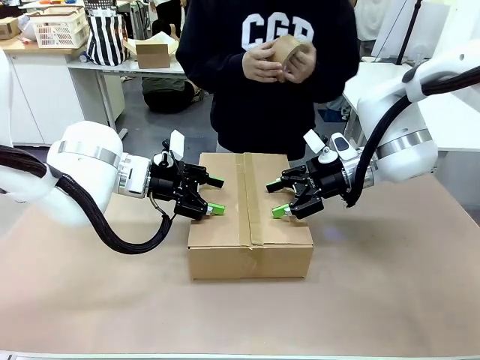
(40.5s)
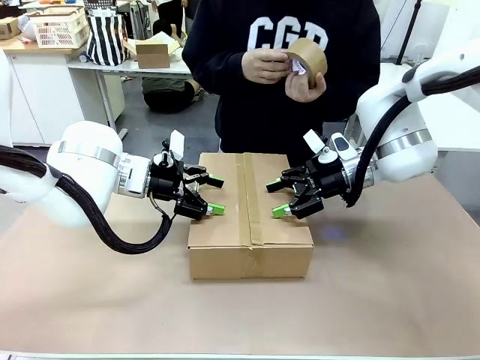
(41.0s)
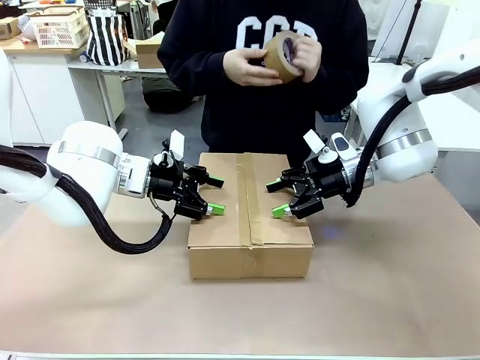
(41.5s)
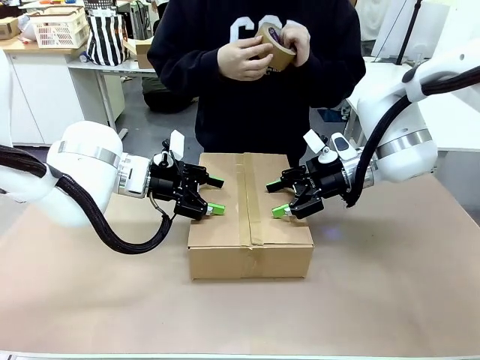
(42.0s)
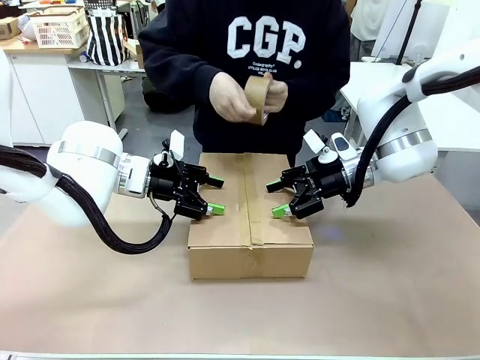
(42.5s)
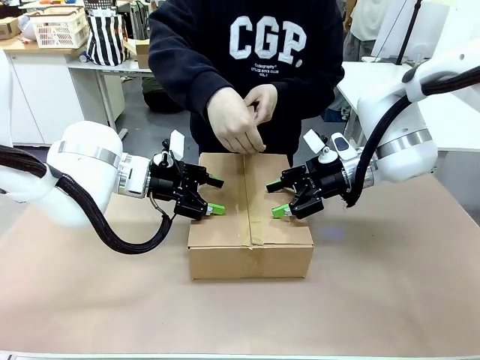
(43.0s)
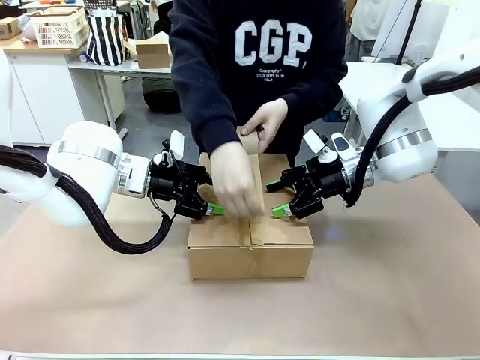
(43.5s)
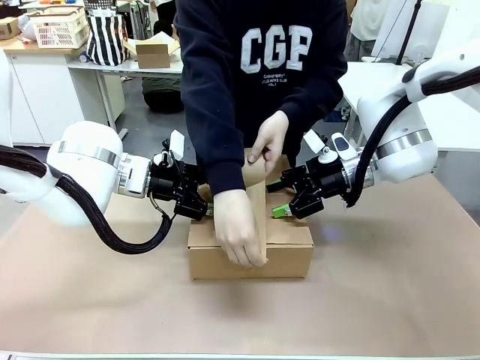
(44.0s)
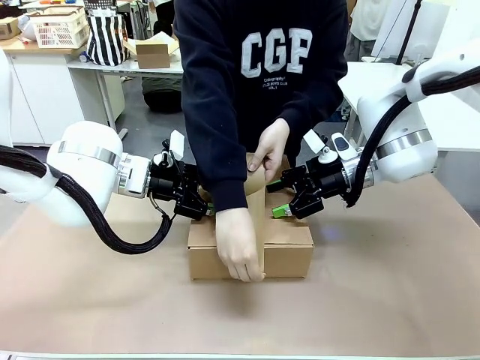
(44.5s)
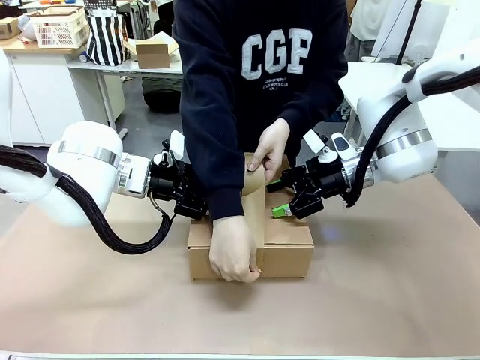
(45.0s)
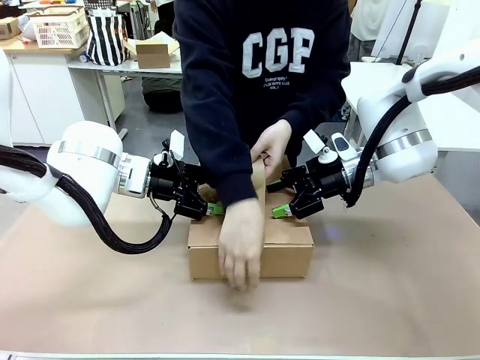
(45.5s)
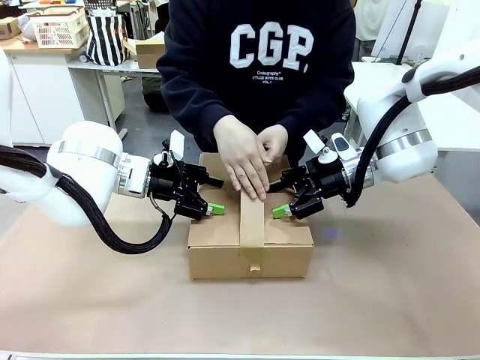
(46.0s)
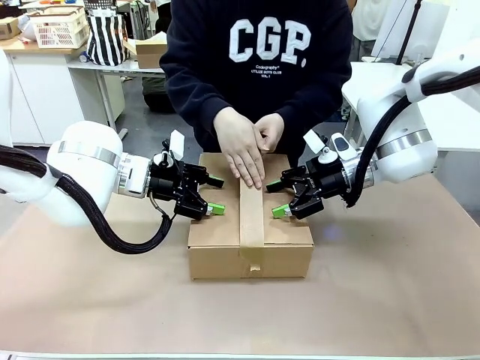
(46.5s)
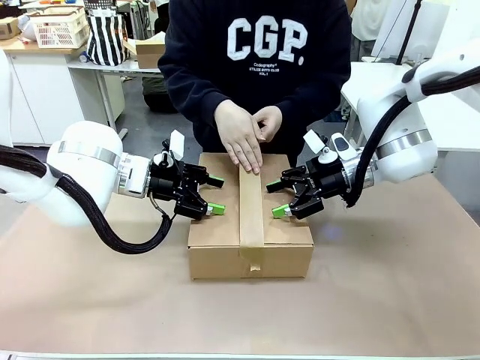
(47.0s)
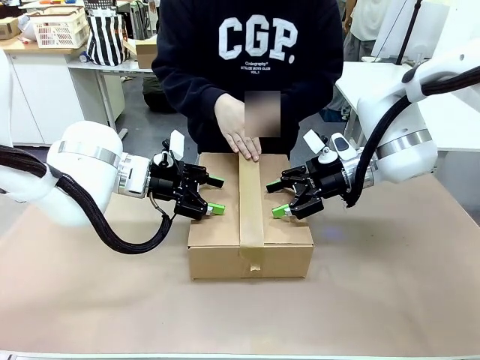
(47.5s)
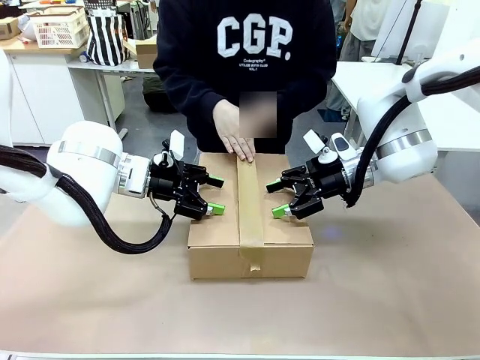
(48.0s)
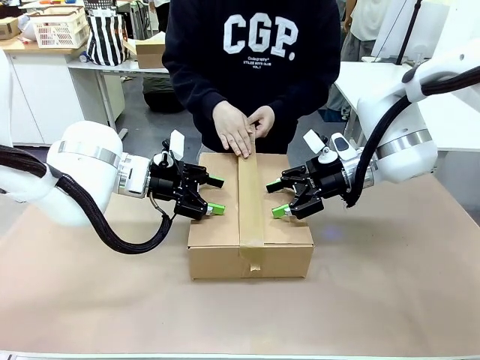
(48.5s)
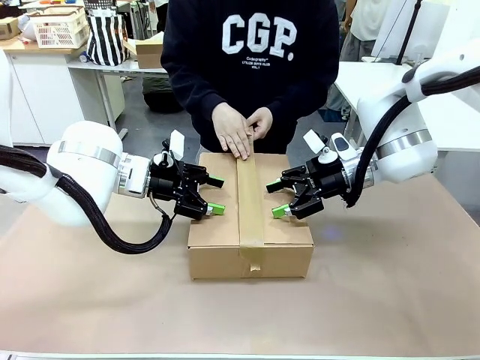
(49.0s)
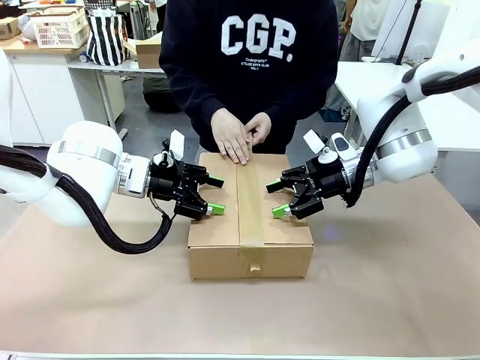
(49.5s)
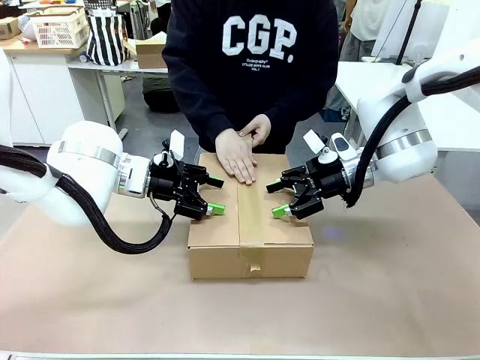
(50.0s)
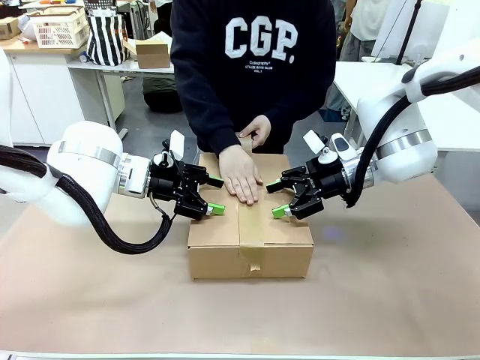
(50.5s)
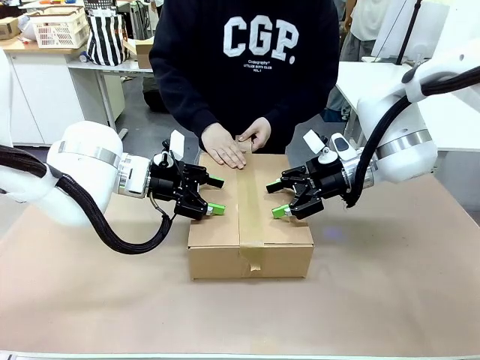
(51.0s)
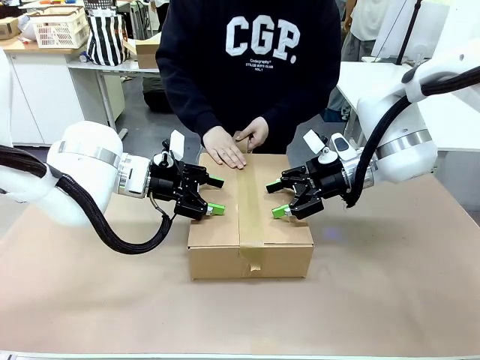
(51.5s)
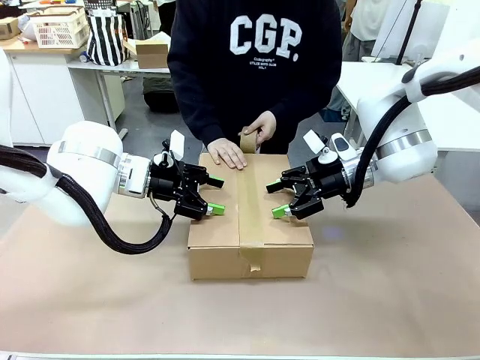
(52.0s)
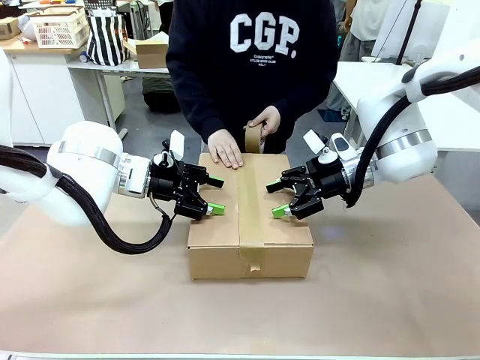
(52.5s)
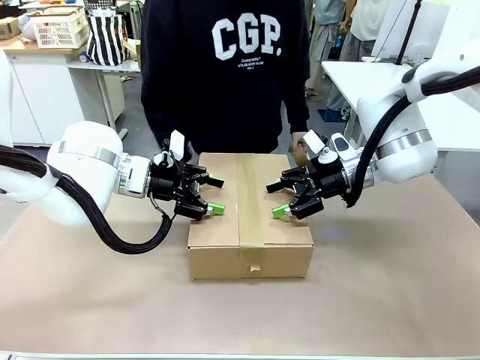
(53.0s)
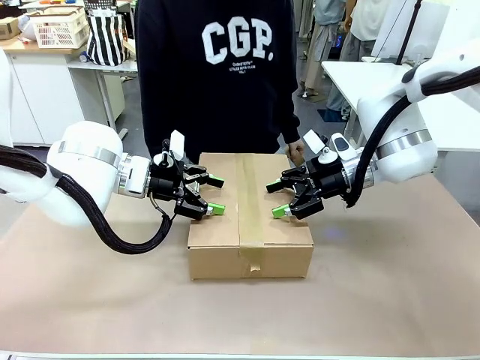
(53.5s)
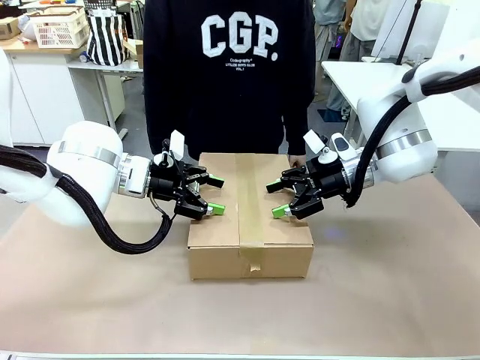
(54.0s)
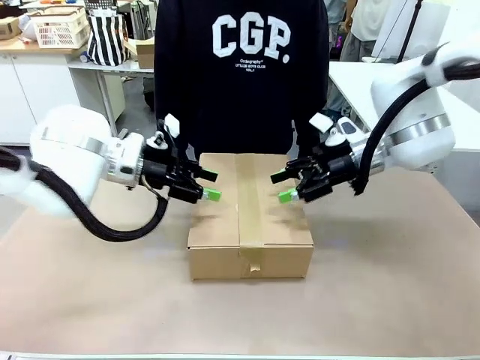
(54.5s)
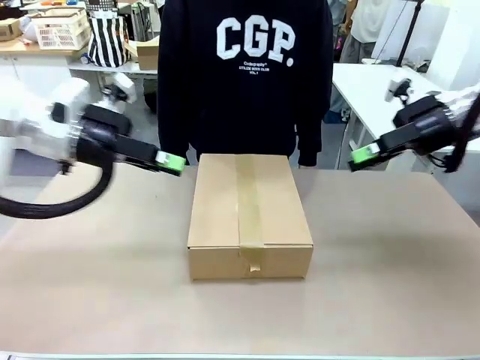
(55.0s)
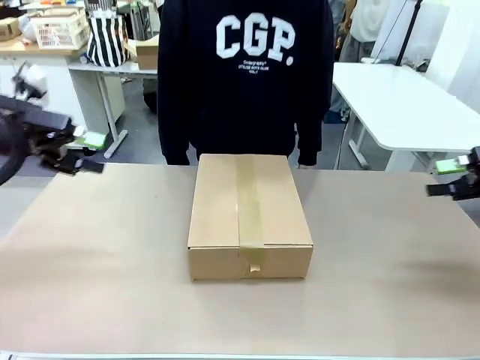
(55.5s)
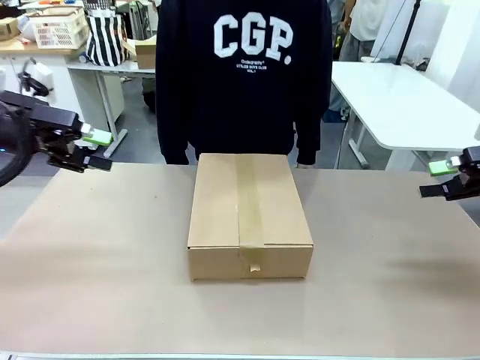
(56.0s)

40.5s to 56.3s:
Task: Pack the gift set into the box.
Robot: Press and hold the closed box until the human finishes sealing it.
Person: The human picks up the paper tape from the human table and packs the box.

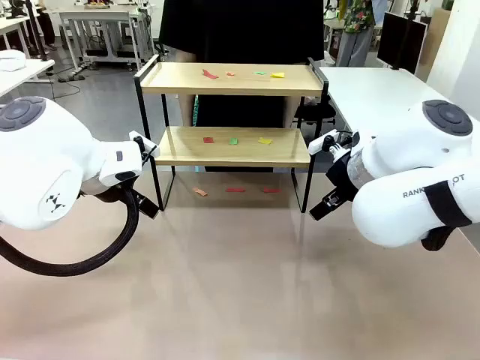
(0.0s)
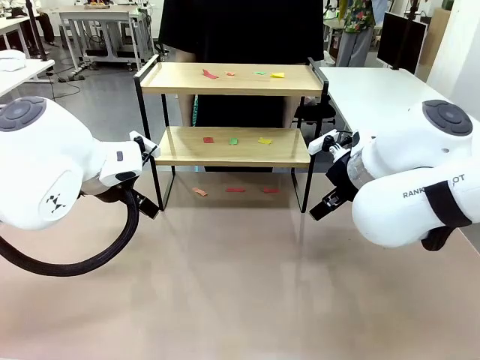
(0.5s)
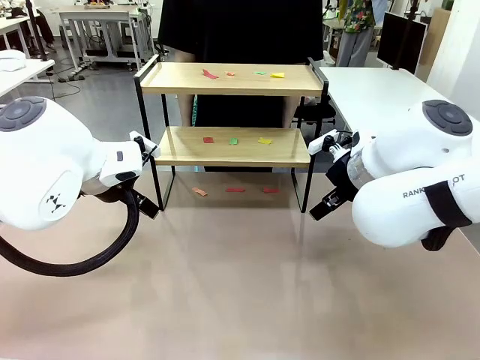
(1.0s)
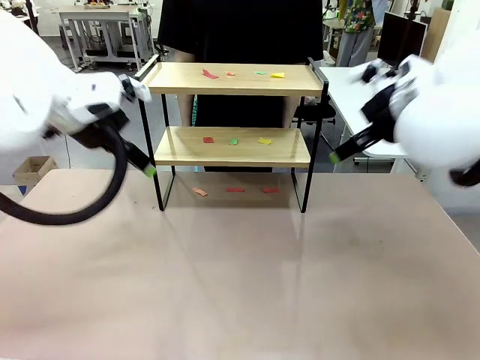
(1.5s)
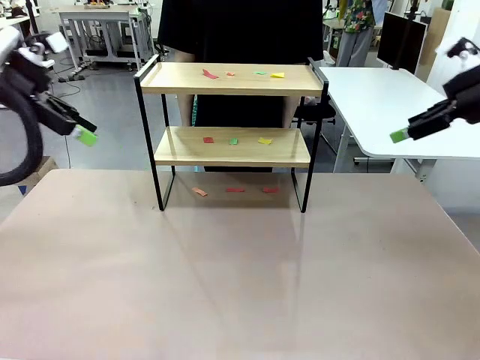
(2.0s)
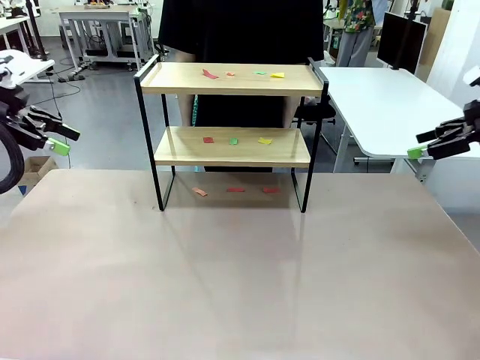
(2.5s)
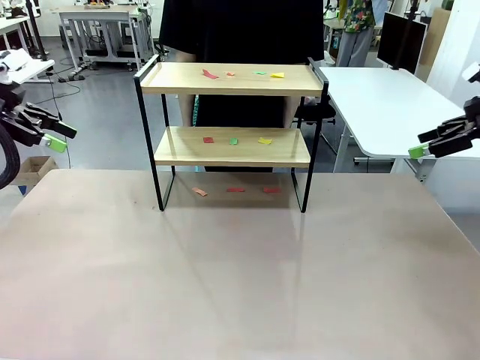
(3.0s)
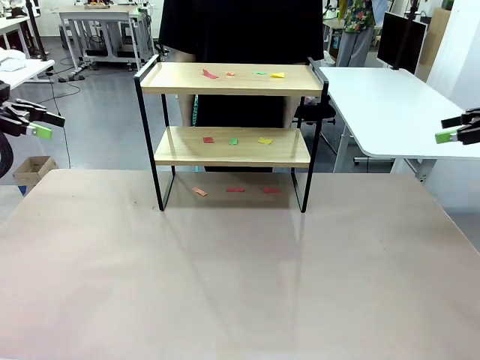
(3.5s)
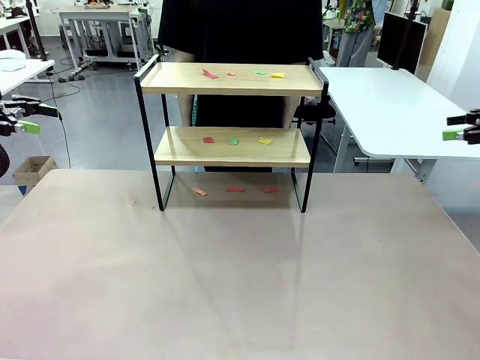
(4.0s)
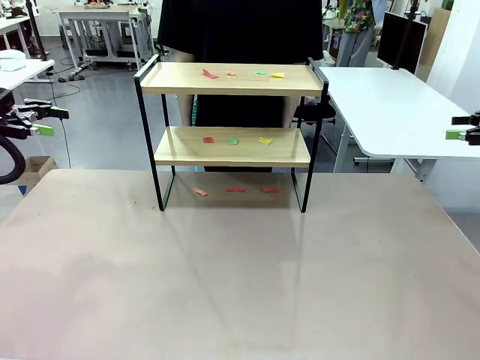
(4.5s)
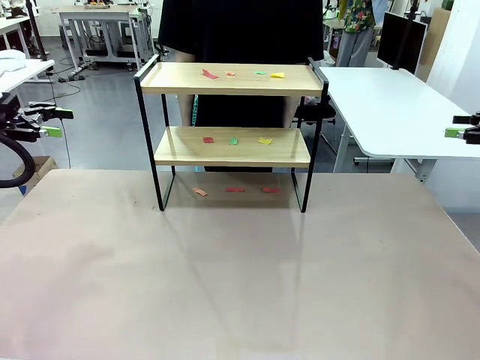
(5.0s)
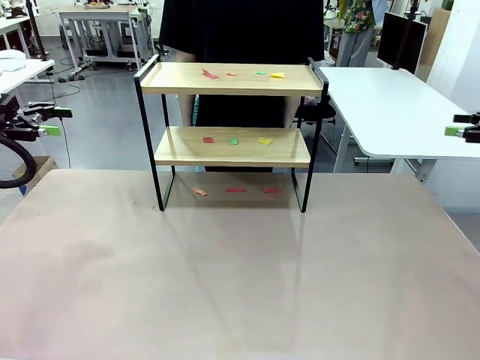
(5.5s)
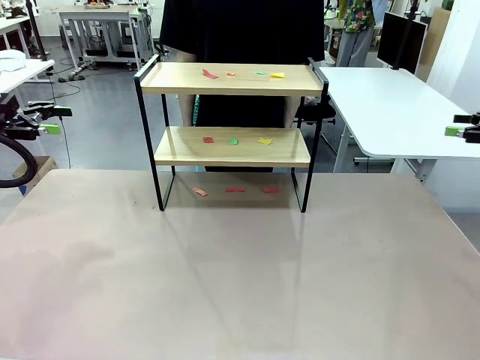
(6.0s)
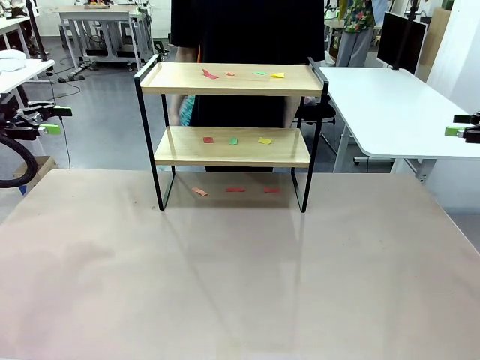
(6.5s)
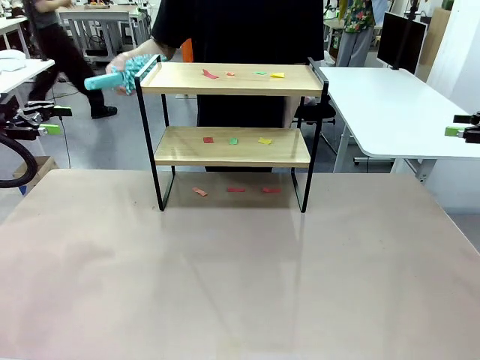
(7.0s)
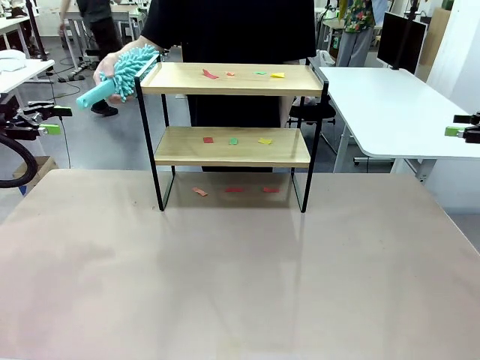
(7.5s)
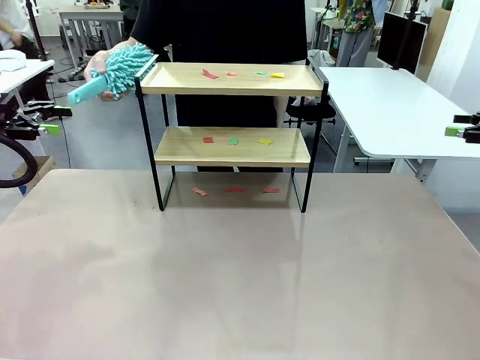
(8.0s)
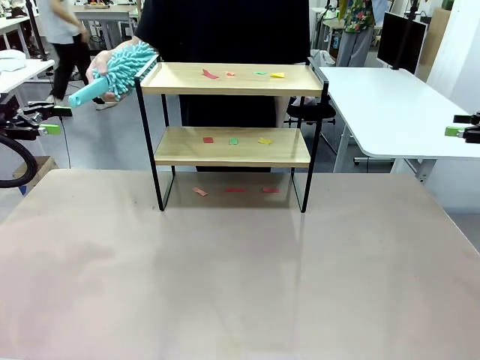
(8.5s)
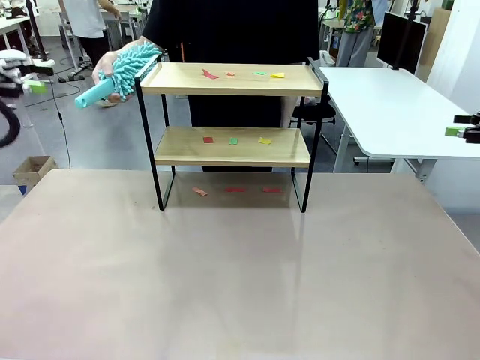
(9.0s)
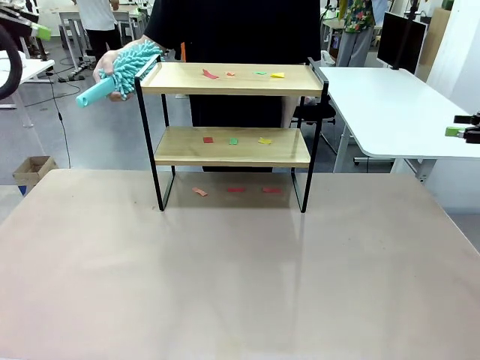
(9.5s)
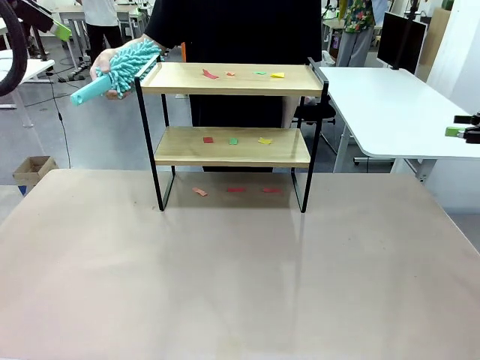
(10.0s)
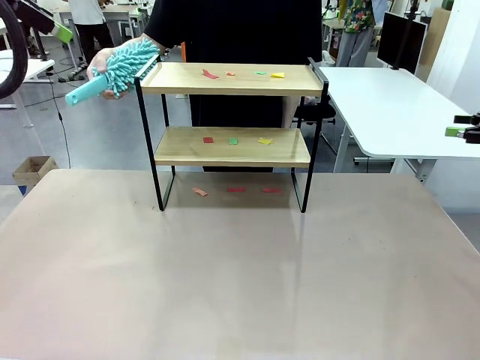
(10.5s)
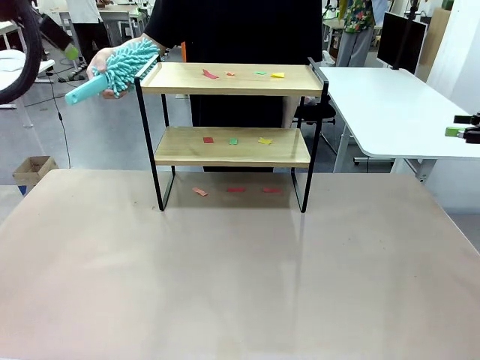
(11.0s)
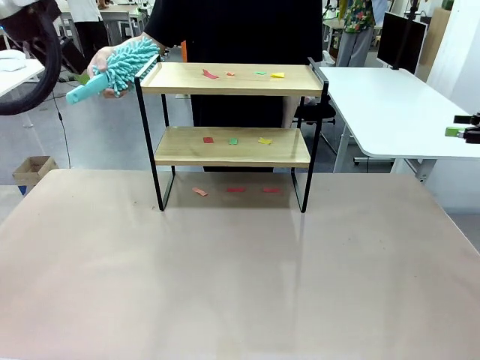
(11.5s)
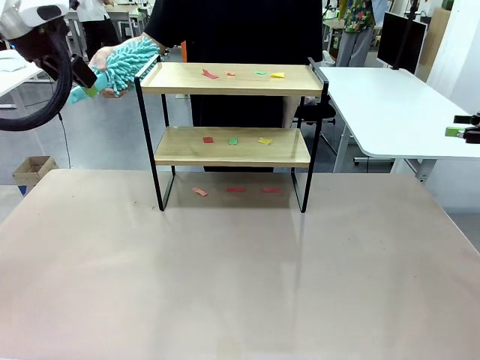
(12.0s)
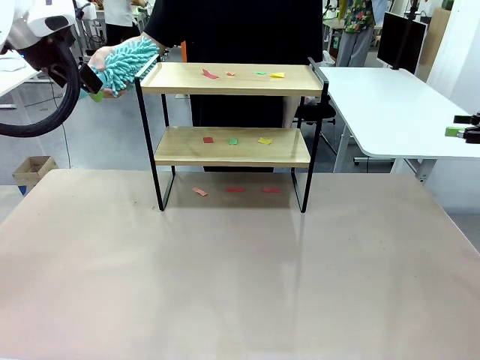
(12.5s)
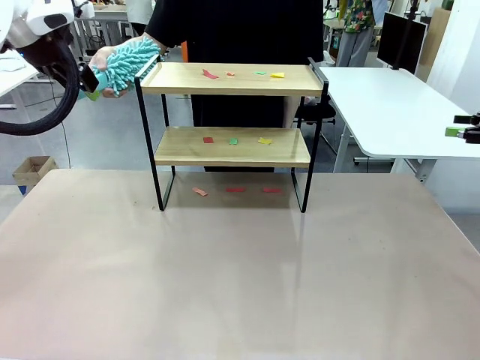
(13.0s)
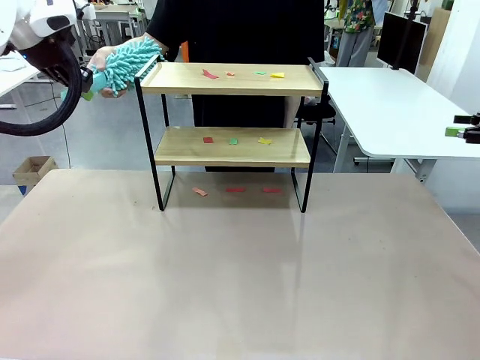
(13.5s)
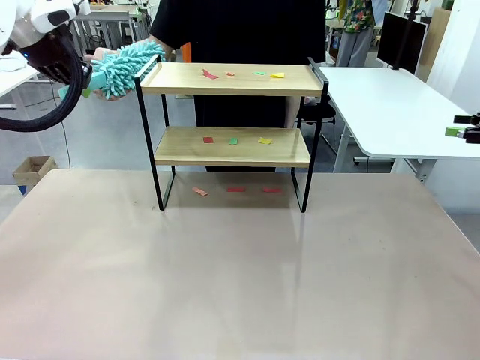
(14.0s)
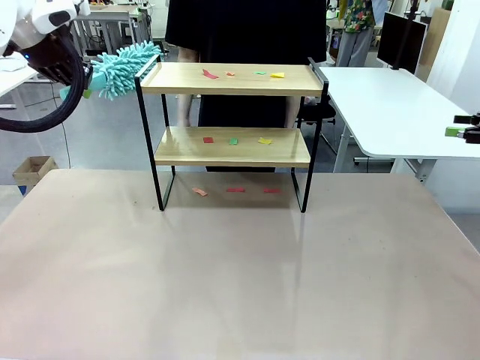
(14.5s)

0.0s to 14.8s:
Task: Clean the shelf.
Robot: Pick up the Duster handed by the human.
Person: Hand the Duster to the robot.
